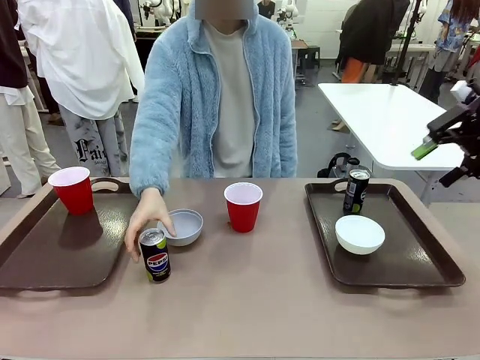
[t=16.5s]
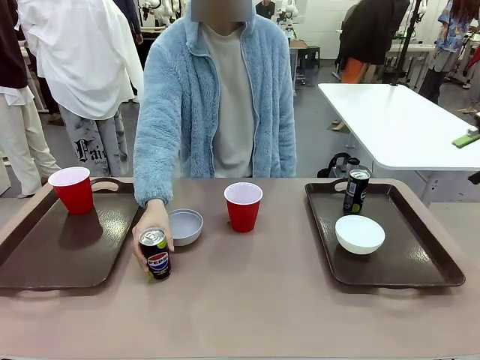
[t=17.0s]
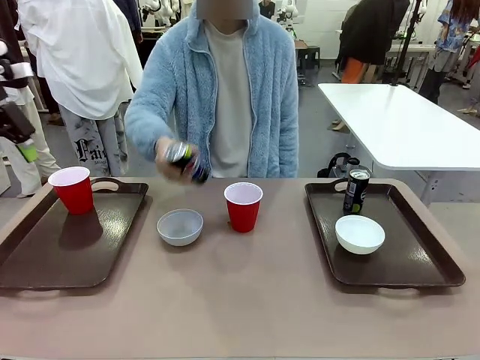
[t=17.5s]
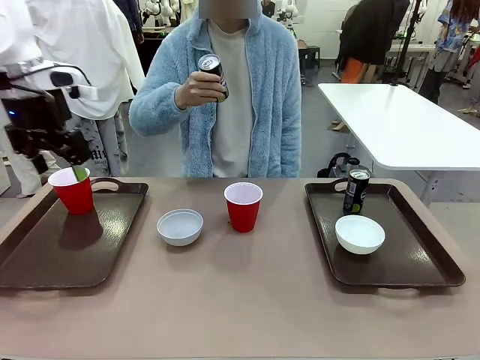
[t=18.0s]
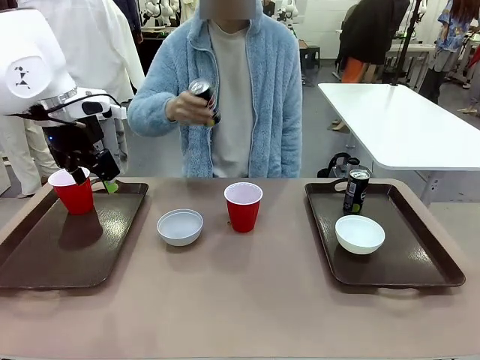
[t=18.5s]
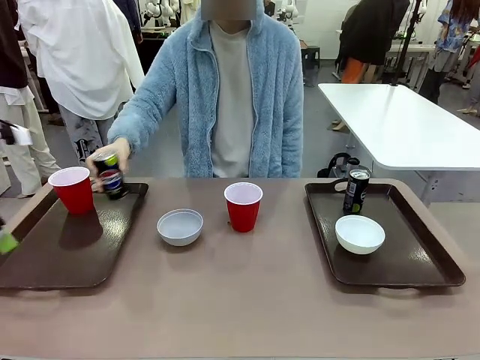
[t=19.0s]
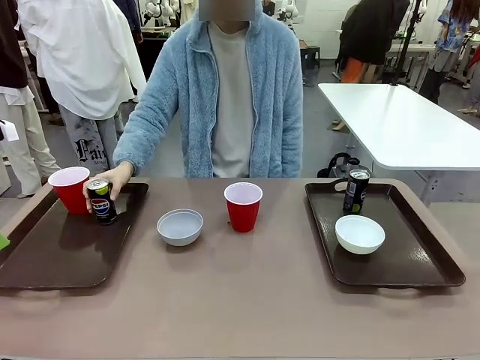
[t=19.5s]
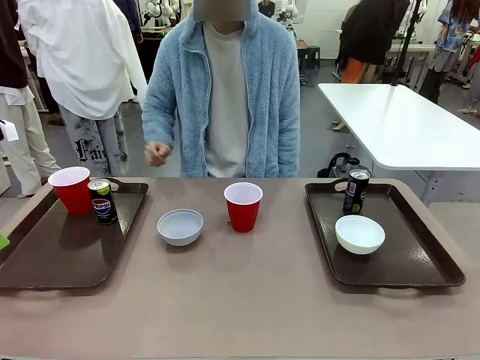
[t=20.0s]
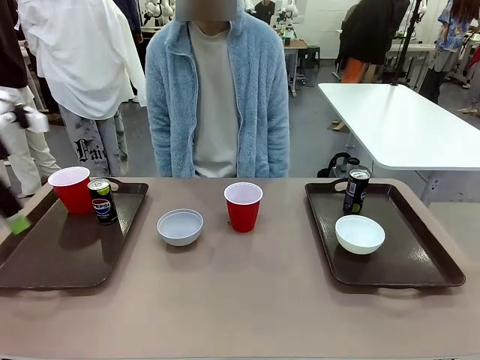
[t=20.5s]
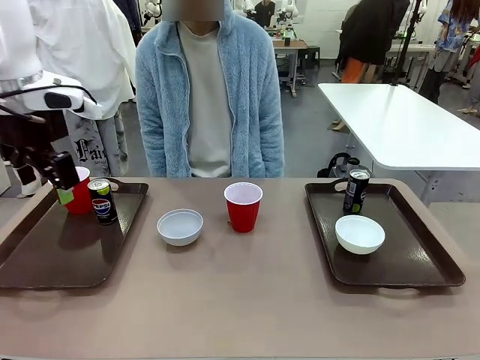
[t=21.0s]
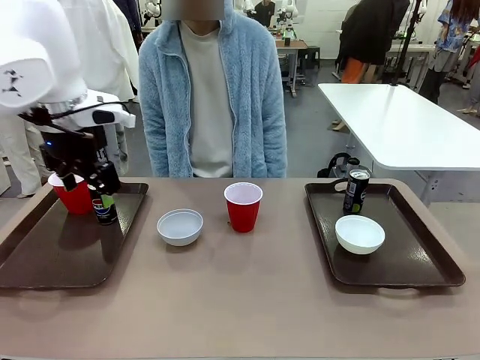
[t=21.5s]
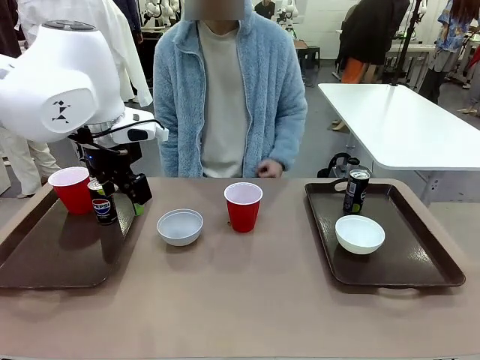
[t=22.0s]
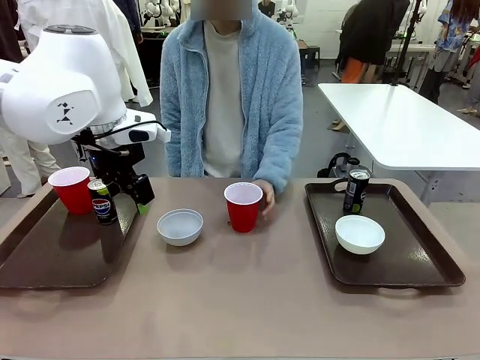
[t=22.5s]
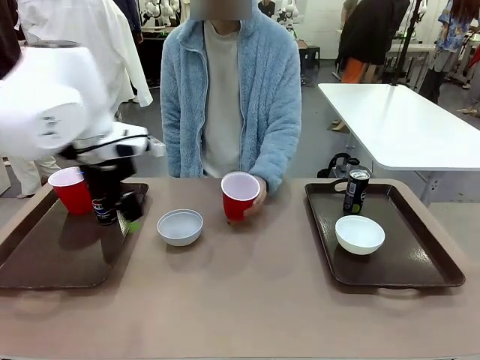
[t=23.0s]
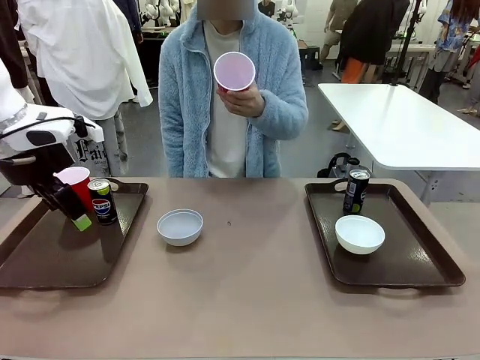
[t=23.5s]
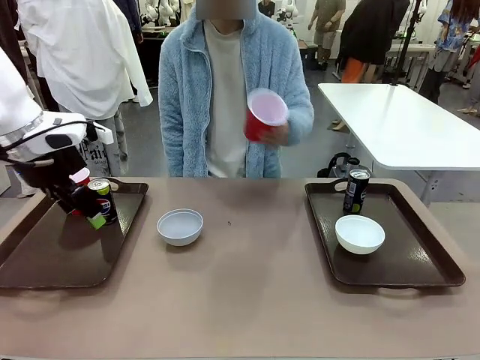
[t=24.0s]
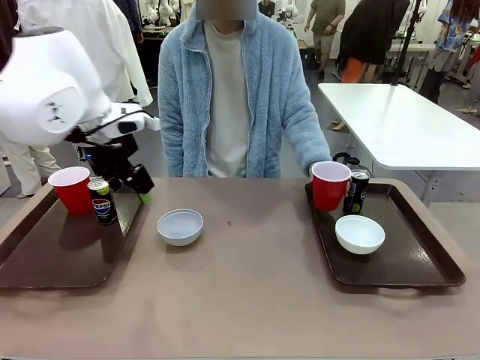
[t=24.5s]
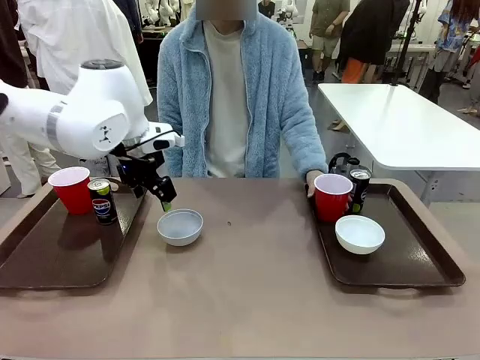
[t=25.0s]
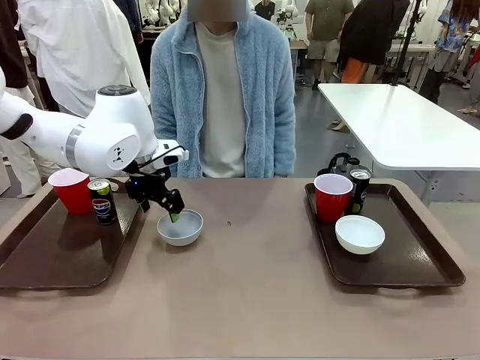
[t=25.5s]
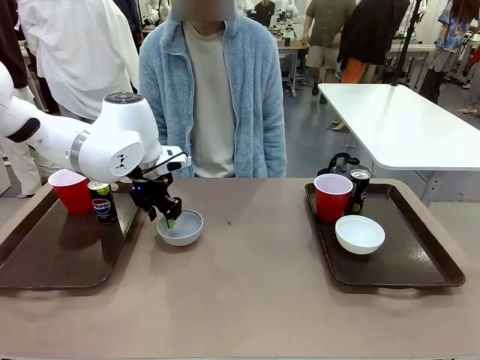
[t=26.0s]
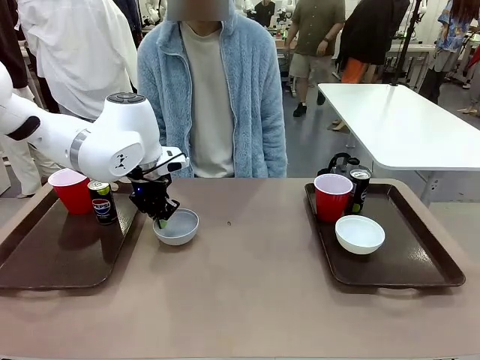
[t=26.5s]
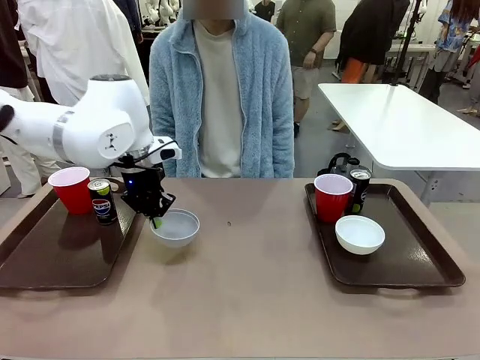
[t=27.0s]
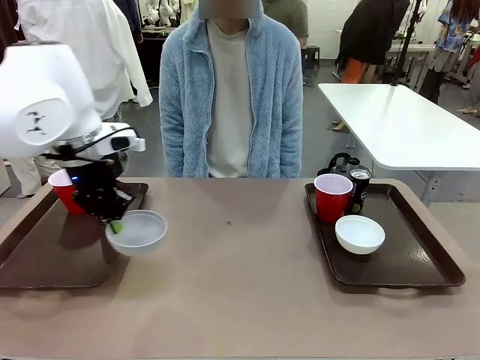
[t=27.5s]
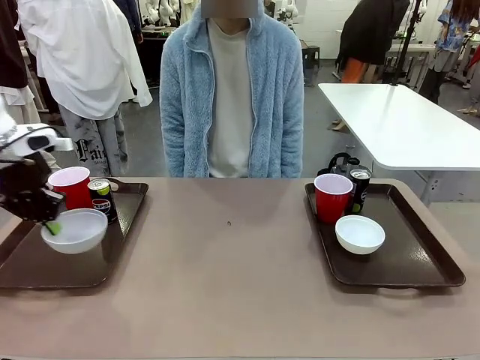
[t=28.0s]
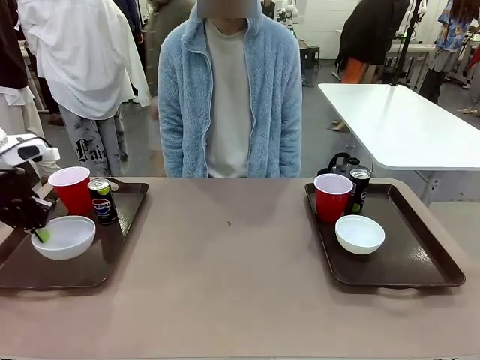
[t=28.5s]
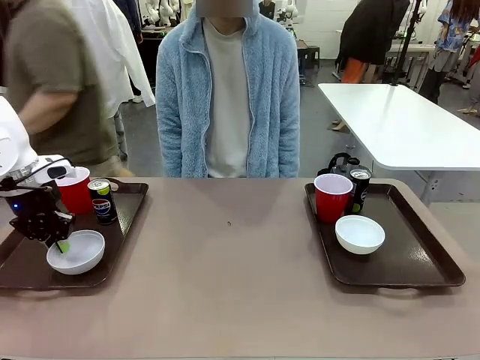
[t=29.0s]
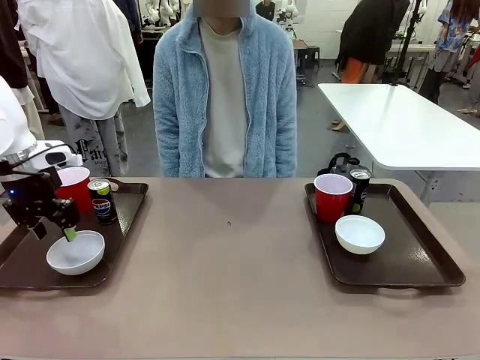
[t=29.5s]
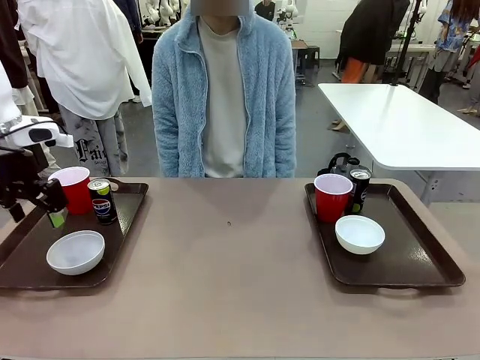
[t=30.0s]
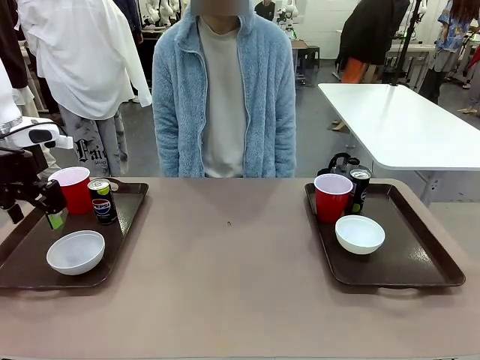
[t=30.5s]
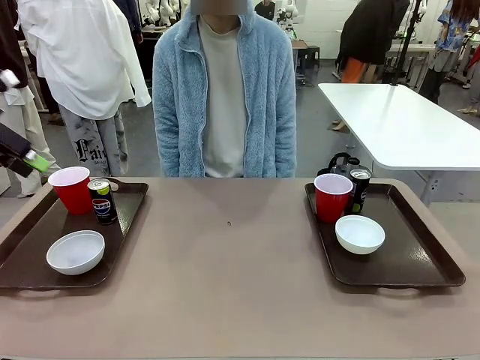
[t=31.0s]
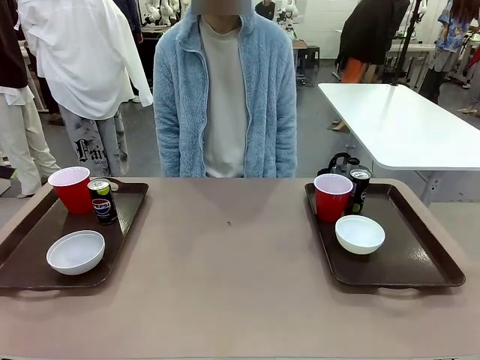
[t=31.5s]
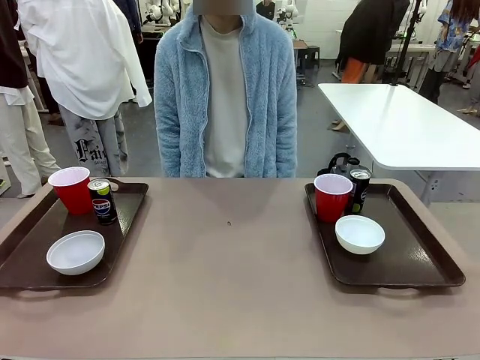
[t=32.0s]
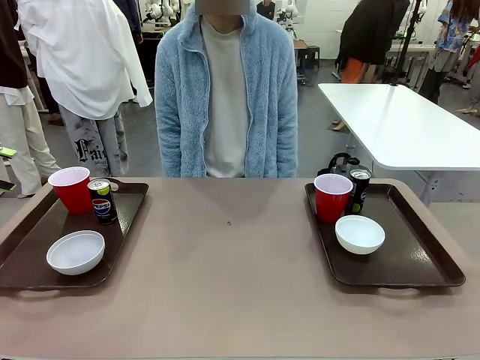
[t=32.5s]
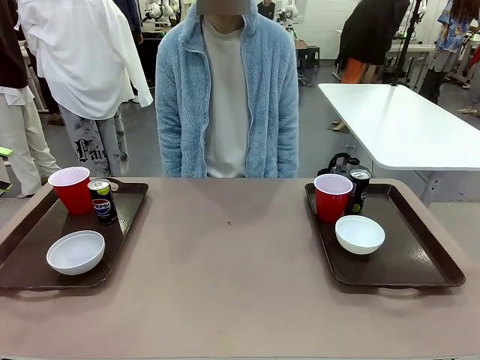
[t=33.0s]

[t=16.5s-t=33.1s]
Task: Prepare tableware on both trays.
Robot: Pick up a Picnic Bowl from the table and place it on a Handle tray.
Person: Pick up a can or cup and place it on the tray without a can or cup.
